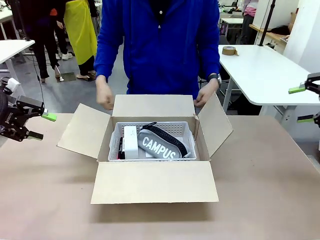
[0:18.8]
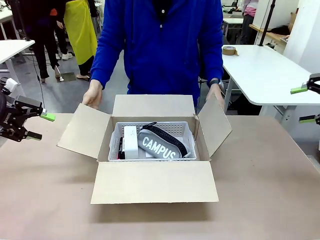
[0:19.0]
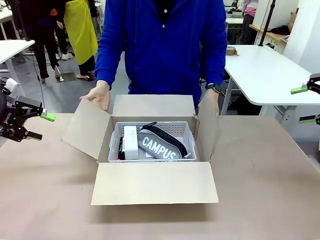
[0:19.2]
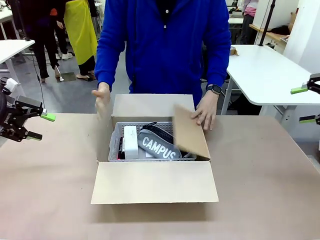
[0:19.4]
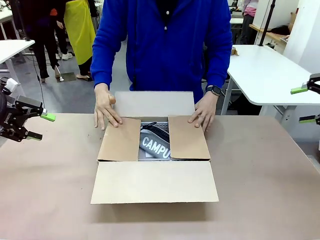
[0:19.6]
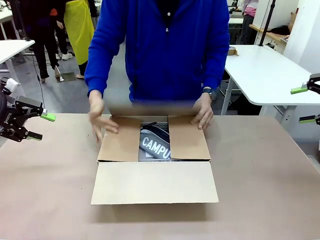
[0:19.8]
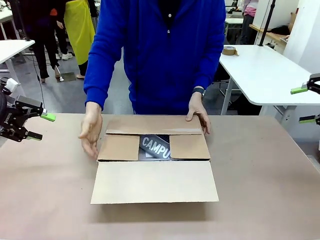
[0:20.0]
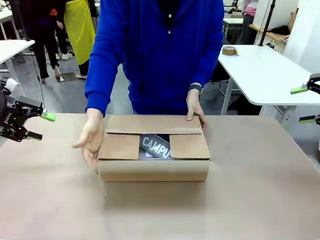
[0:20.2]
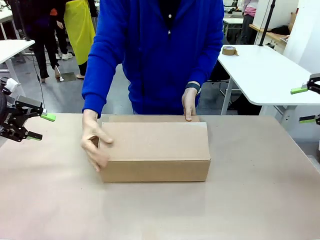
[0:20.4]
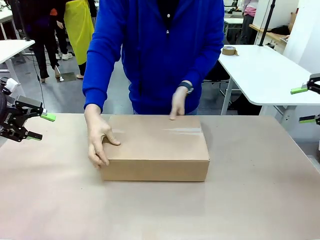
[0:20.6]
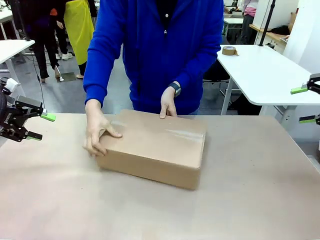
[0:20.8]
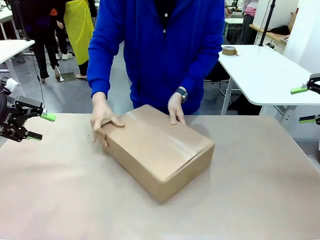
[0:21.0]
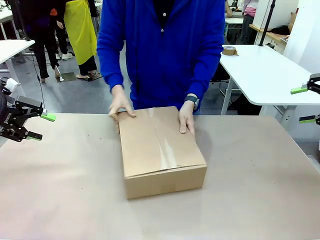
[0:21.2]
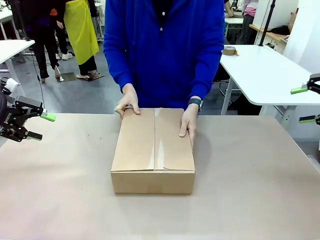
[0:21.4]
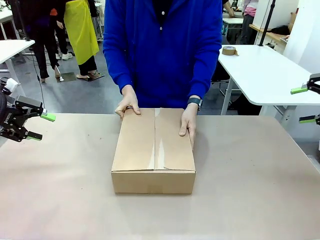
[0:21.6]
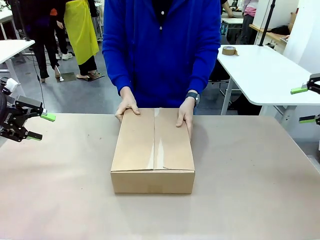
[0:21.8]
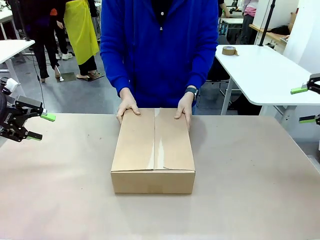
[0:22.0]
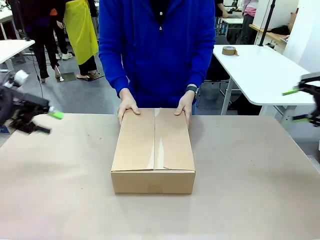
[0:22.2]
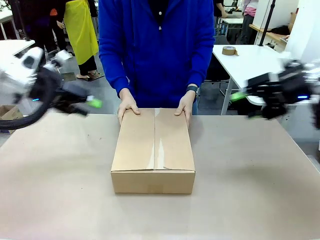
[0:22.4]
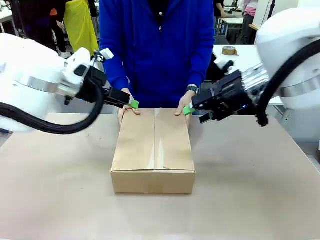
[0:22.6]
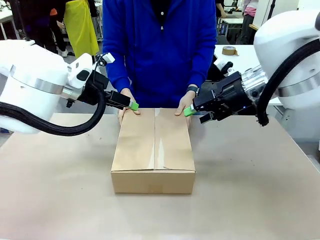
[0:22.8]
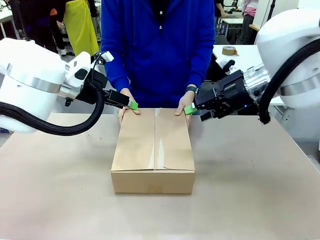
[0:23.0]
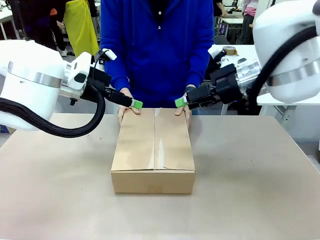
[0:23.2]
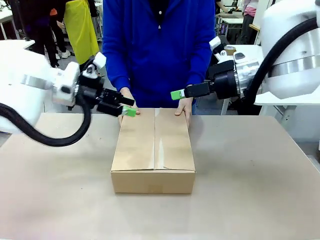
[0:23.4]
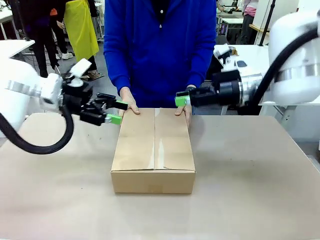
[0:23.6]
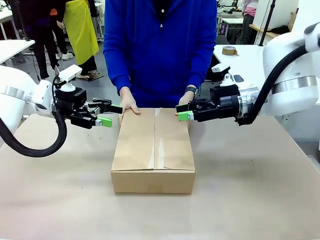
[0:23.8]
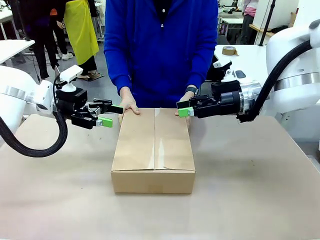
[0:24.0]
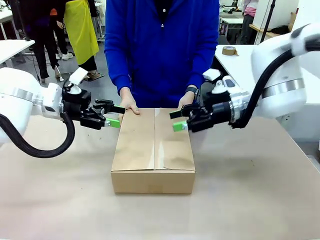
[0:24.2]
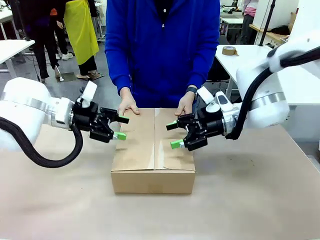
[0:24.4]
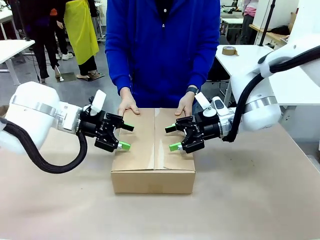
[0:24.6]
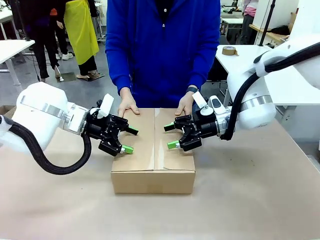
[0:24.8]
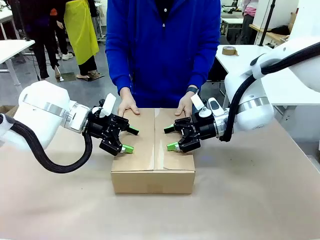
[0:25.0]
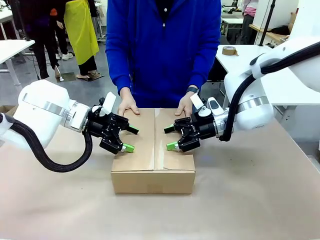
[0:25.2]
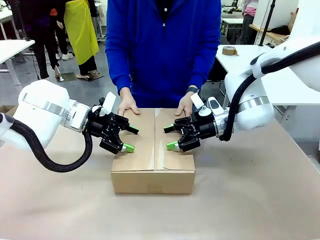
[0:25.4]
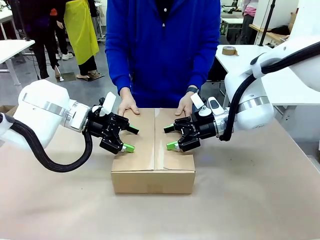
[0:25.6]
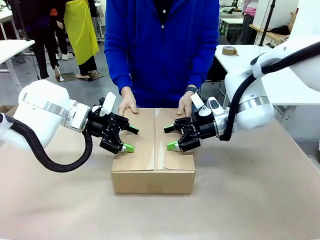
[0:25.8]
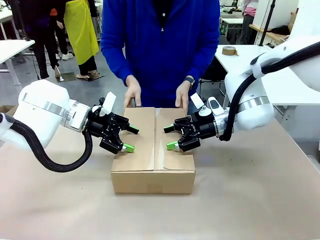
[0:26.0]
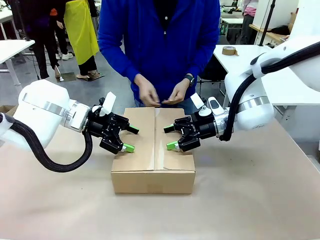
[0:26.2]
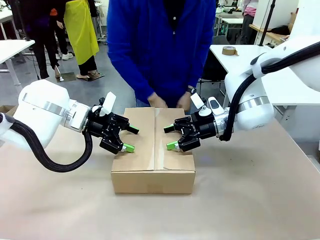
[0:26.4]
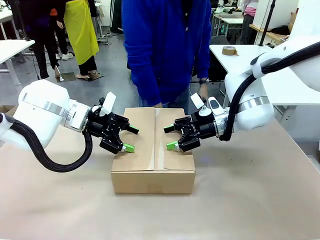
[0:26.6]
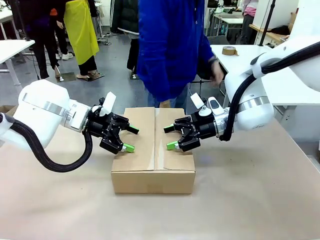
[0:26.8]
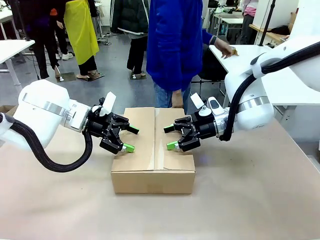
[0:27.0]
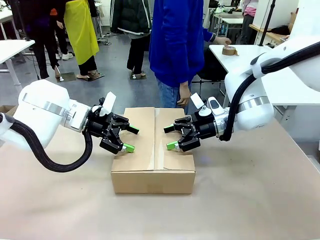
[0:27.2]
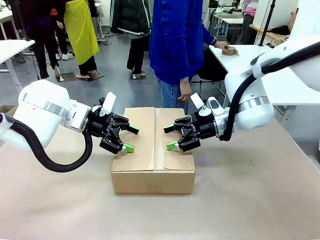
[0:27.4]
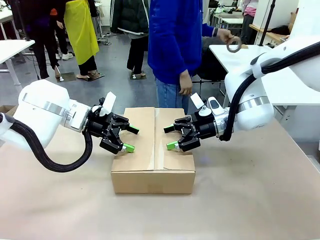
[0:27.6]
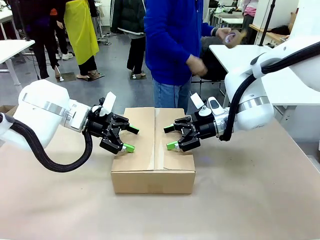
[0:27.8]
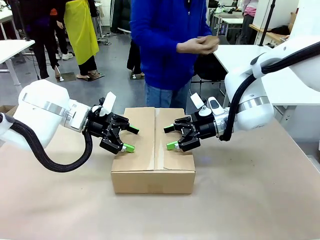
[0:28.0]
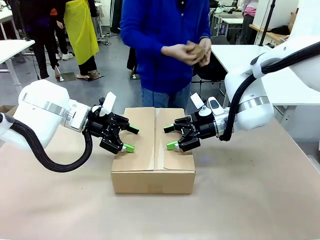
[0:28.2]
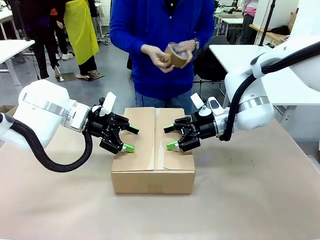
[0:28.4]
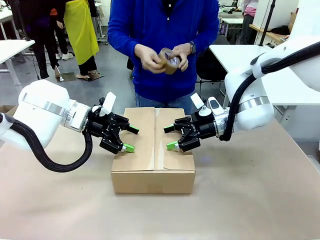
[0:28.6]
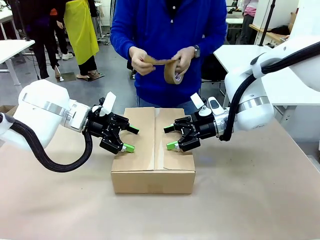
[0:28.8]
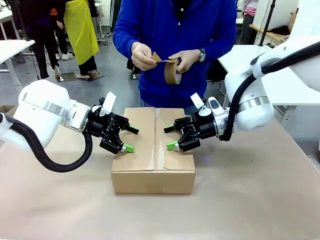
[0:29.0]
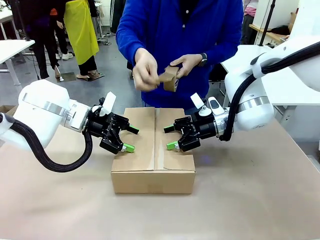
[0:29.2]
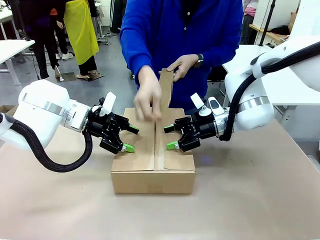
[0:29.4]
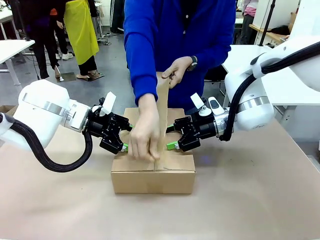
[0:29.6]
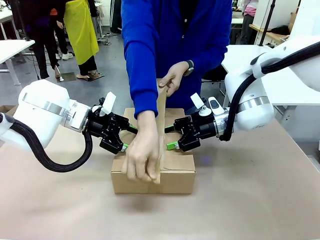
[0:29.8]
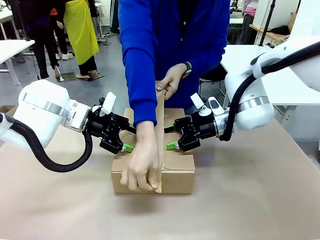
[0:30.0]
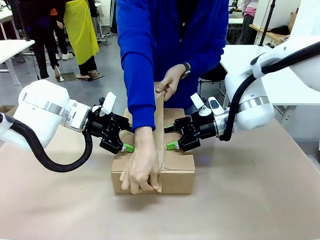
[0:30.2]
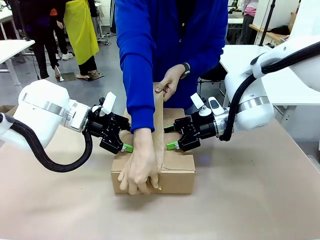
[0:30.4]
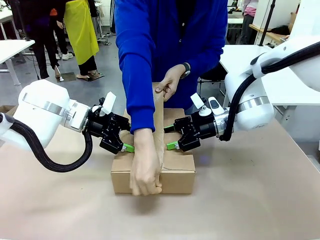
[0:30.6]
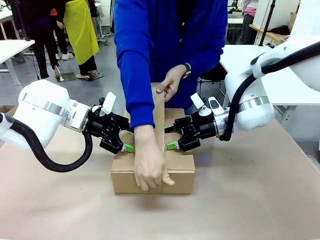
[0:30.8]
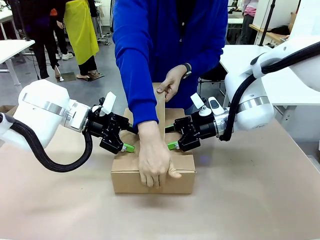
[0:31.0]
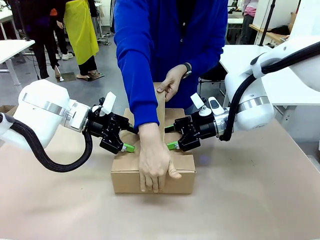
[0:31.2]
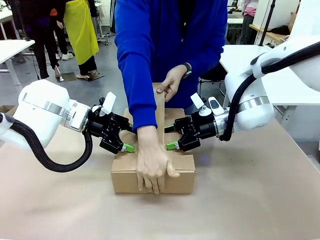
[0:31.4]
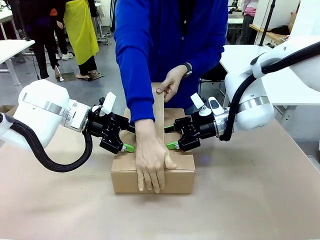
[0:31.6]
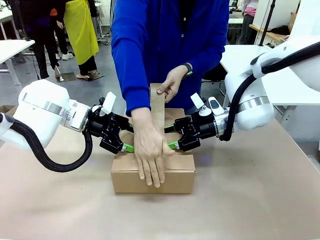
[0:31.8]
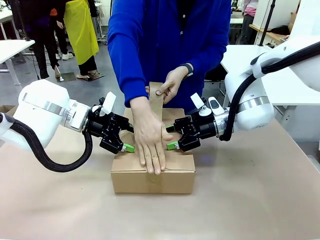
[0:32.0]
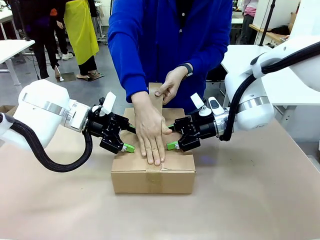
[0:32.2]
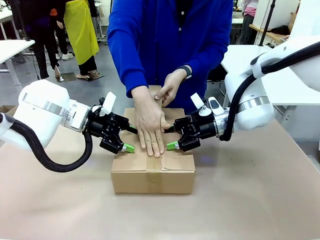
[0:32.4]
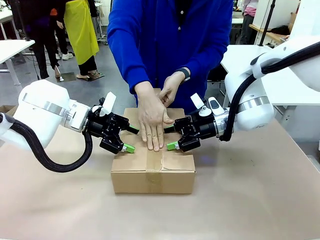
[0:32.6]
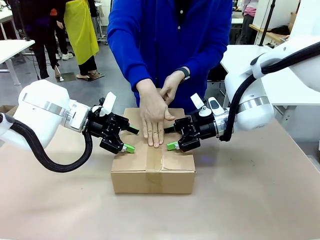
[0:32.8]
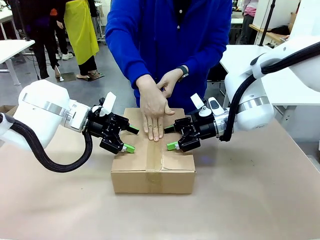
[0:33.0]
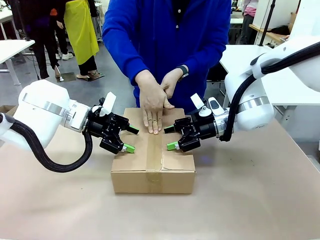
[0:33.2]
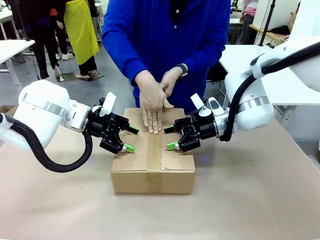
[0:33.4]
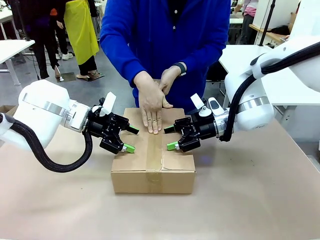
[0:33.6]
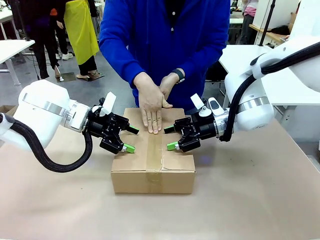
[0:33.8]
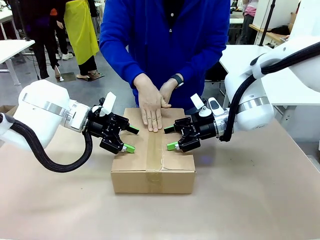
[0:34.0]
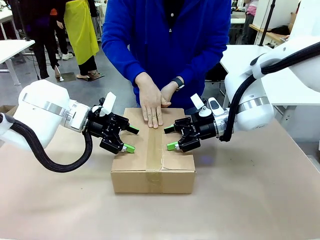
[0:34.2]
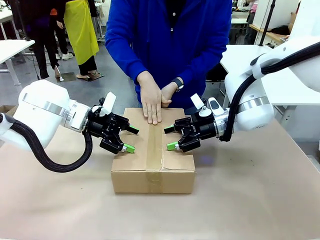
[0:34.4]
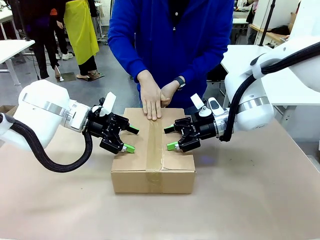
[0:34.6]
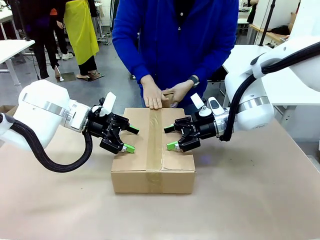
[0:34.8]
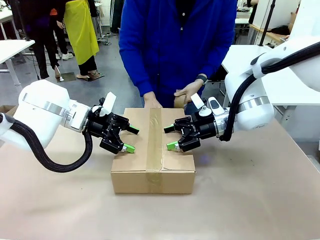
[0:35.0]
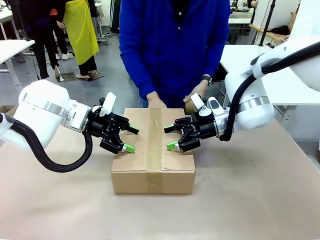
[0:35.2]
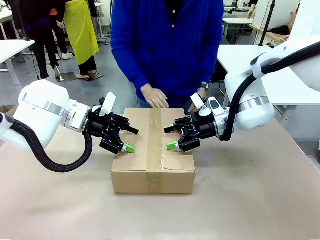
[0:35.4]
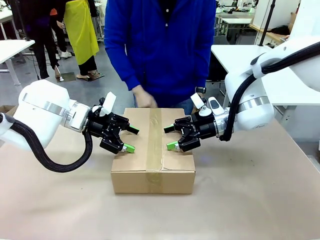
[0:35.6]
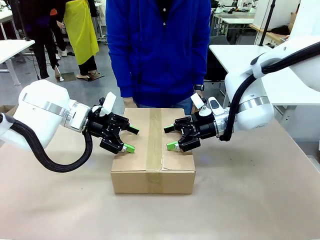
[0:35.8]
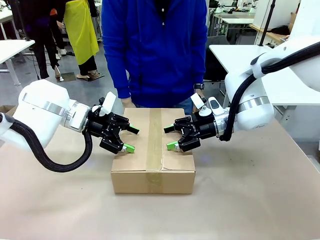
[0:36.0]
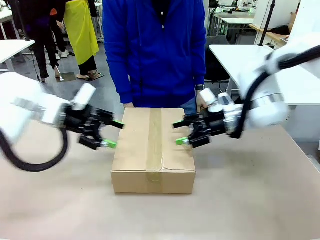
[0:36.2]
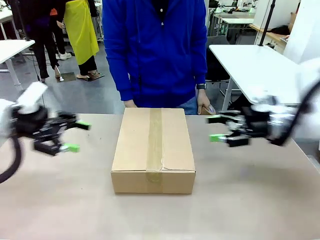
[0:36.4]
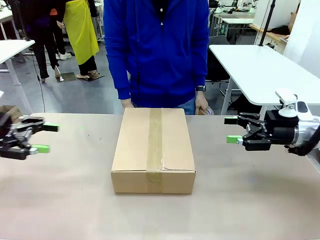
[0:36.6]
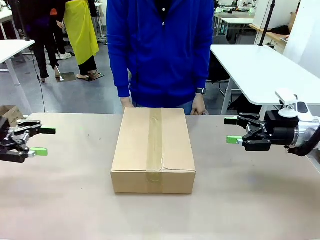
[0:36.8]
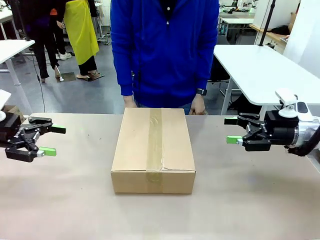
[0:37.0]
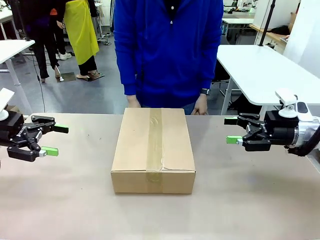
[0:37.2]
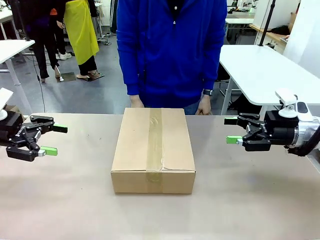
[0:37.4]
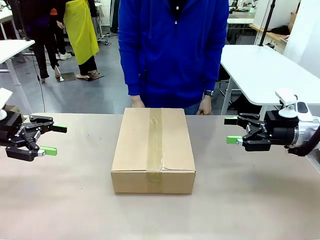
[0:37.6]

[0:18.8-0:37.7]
Task: Pack the gift set into the box.
Robot: Press and hold the closed box until the human finishes sealing it.
Person: The human closes the box and rotates the box by 90 degrees. The human picks up the paper tape from the human table and packs the box.
